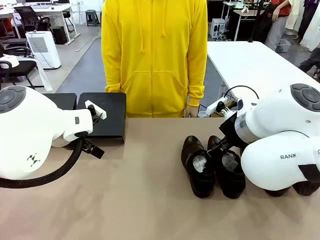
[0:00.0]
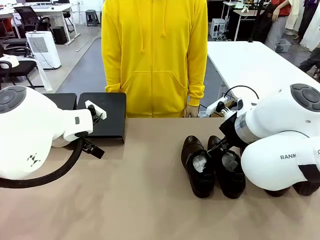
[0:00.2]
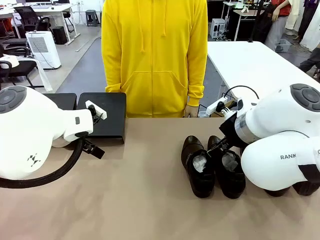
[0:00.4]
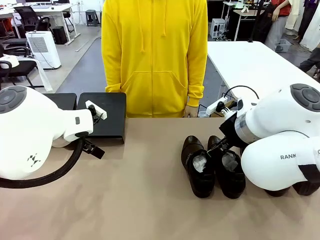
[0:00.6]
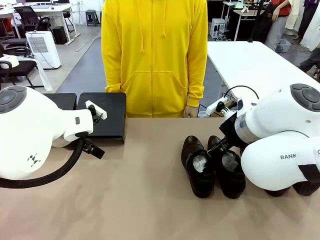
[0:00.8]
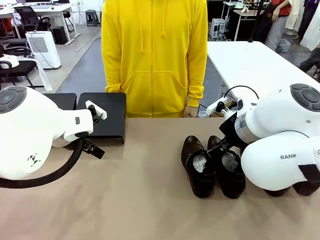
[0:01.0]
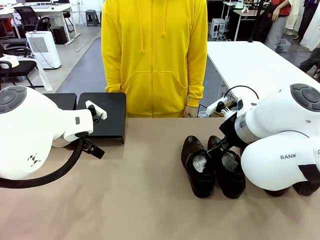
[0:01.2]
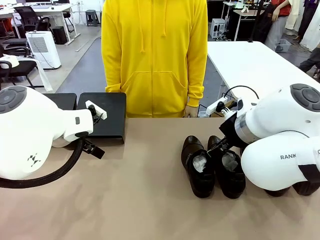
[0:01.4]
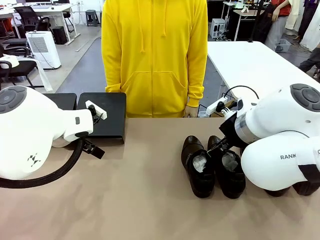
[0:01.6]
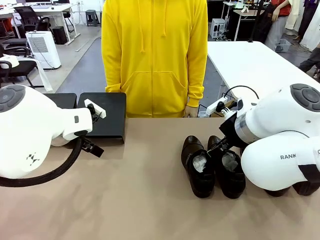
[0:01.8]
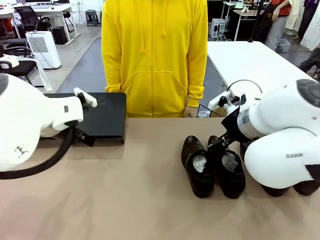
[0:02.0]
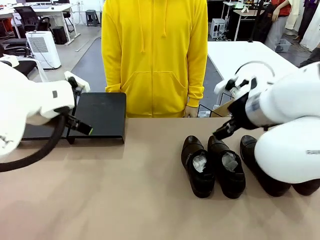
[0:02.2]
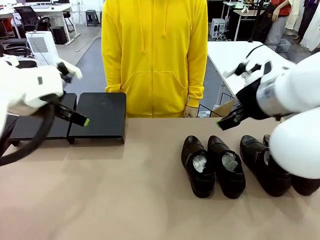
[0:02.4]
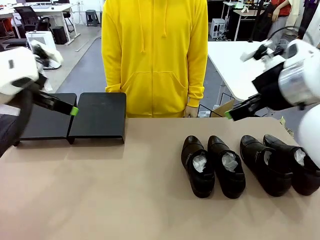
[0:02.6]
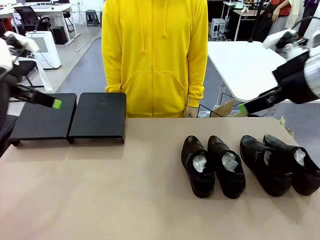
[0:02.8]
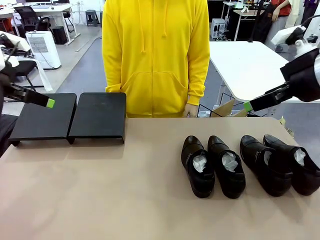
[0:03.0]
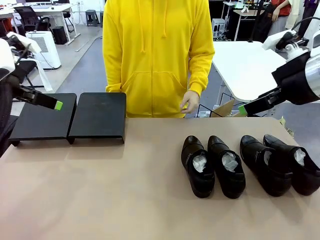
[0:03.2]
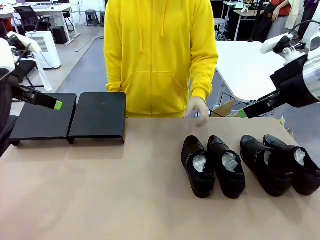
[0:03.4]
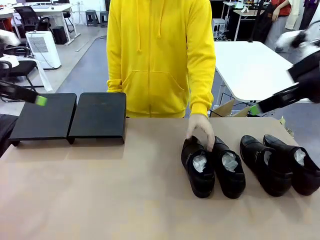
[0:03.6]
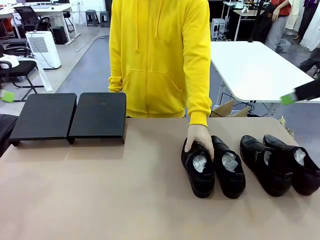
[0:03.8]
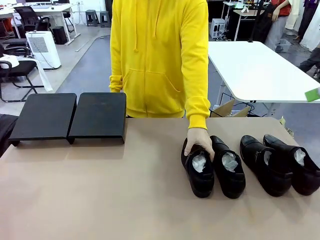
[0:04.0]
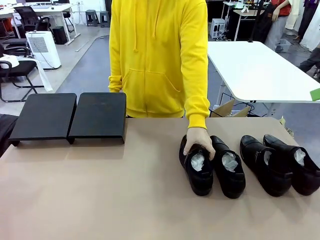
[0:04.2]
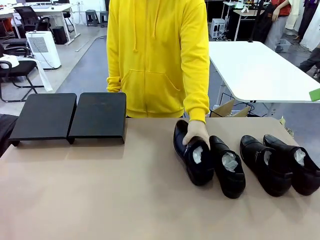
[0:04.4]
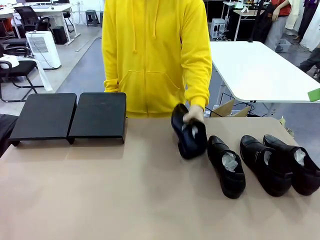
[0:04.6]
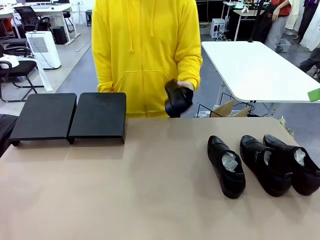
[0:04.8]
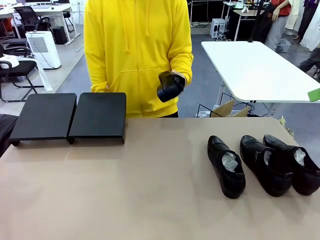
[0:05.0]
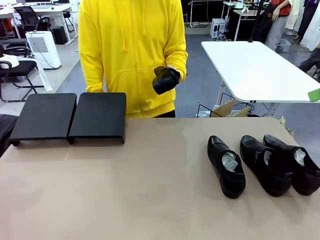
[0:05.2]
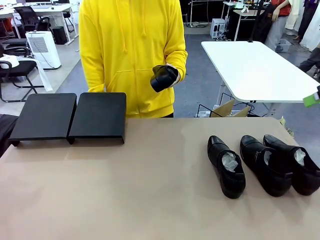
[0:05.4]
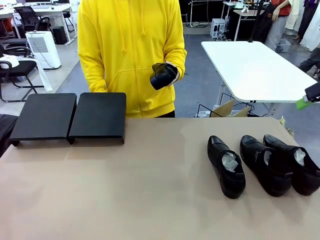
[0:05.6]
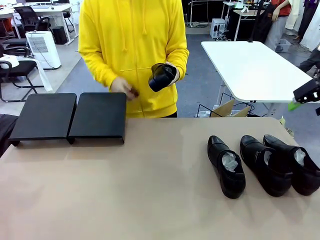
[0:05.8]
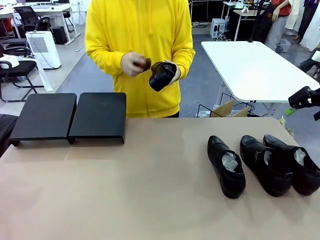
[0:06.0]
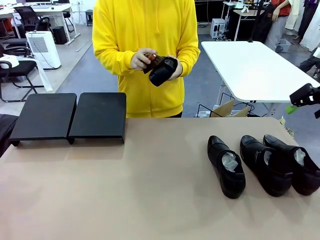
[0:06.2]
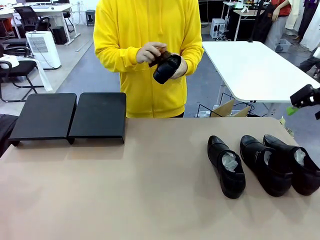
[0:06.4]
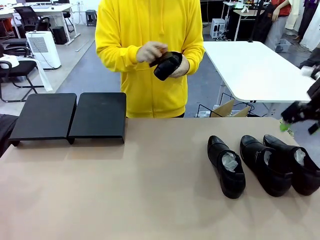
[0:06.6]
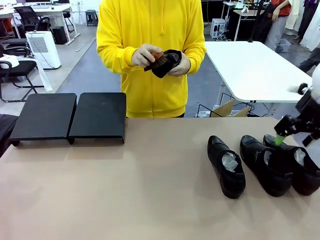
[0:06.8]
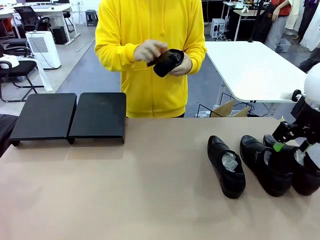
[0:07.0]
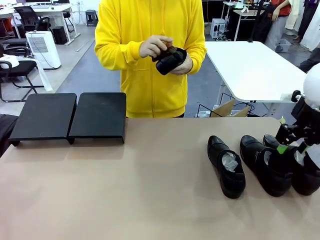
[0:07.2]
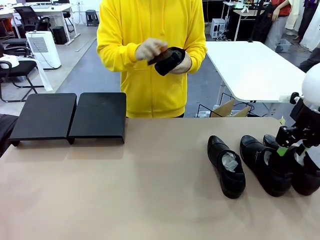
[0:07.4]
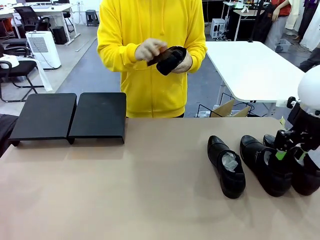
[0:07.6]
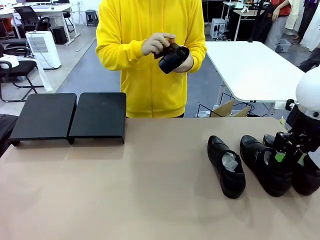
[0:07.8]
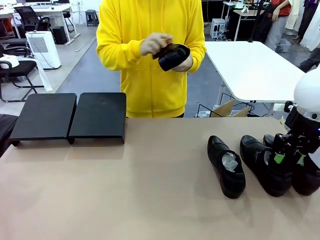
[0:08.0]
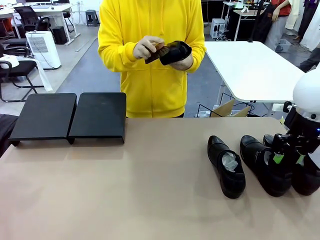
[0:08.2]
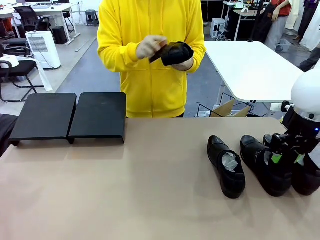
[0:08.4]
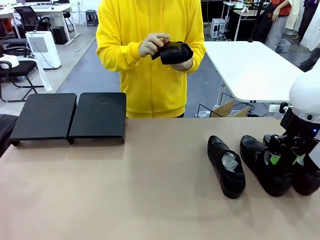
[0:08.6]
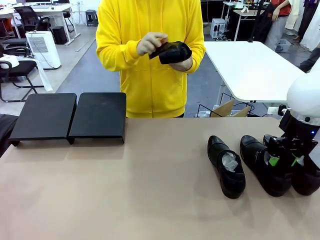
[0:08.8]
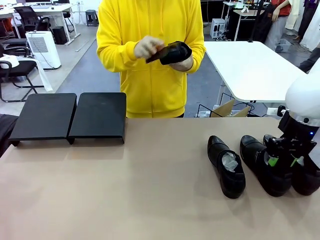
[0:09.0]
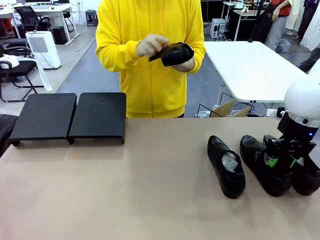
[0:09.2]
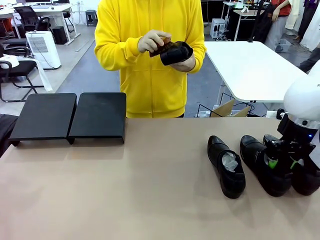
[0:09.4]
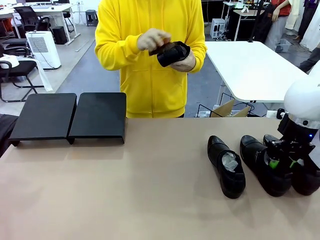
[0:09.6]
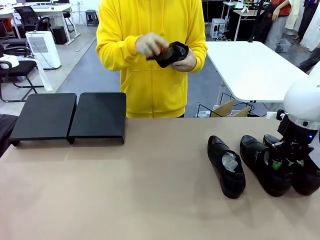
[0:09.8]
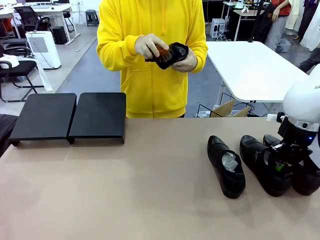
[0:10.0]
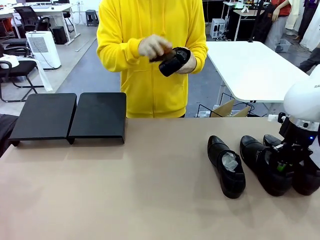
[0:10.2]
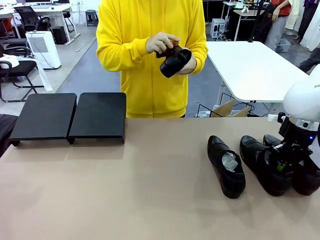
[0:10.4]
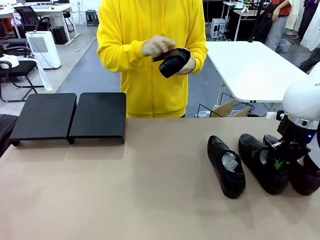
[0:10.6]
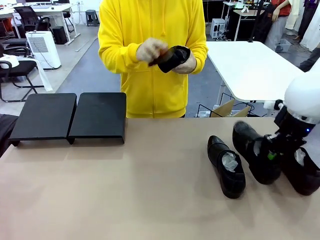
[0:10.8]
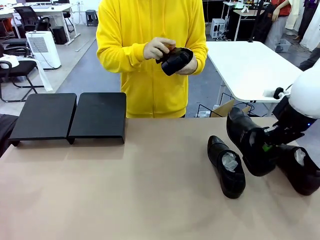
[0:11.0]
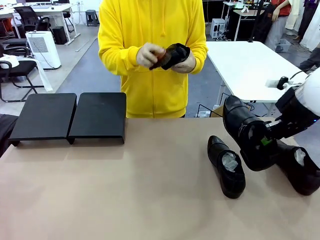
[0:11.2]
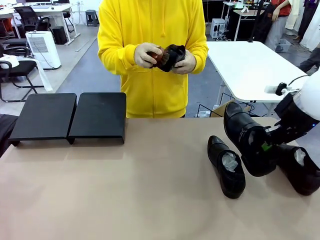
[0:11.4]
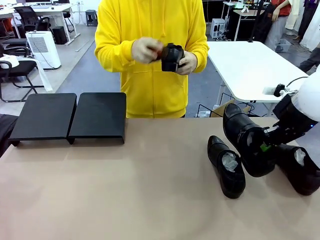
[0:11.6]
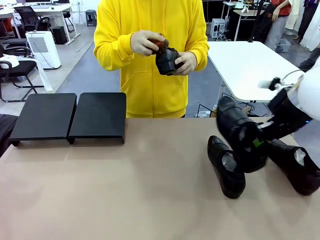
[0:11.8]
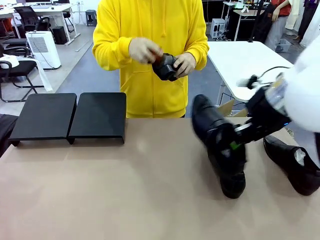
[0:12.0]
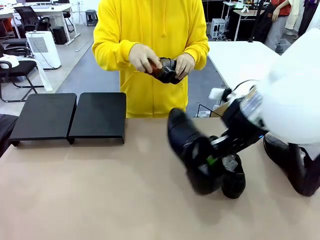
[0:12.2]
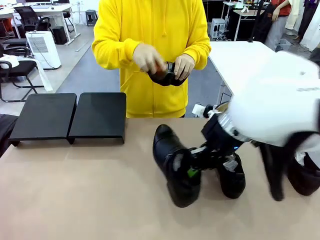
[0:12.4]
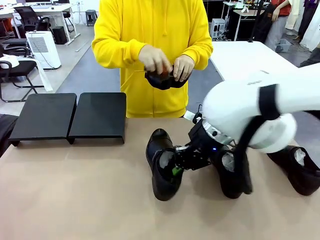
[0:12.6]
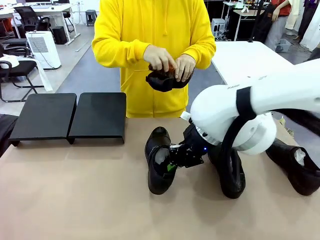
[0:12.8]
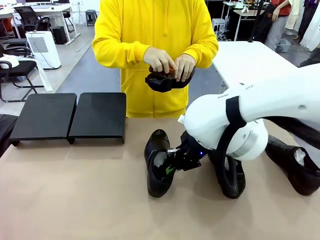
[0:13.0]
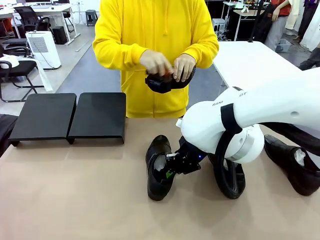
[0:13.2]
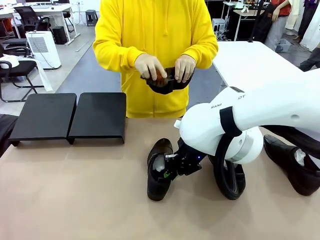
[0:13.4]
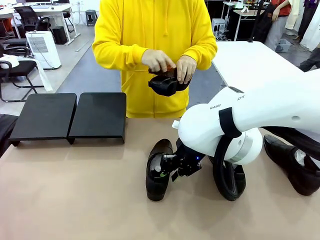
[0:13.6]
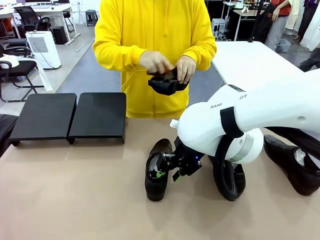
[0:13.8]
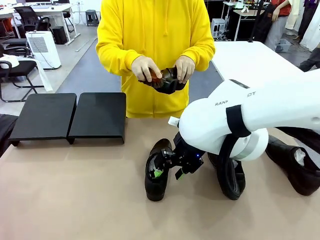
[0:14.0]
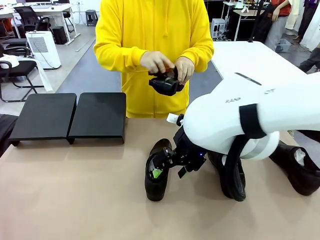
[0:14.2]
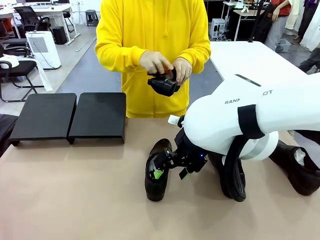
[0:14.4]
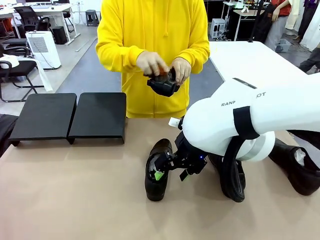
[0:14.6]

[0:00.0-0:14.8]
Task: Organize the shoes by placing them on the stand.
Robot: Pick up one Shoe and place it in the middle of the table.
Person: Pick one Shoe on Robot's table.
